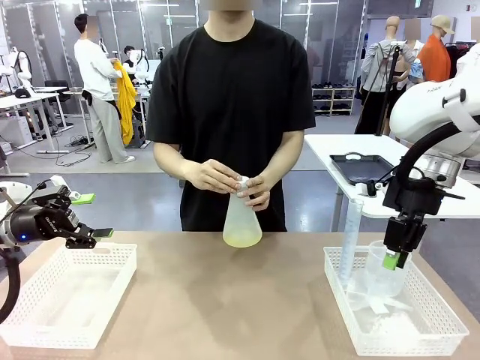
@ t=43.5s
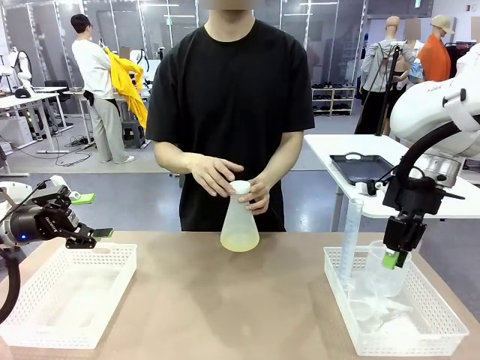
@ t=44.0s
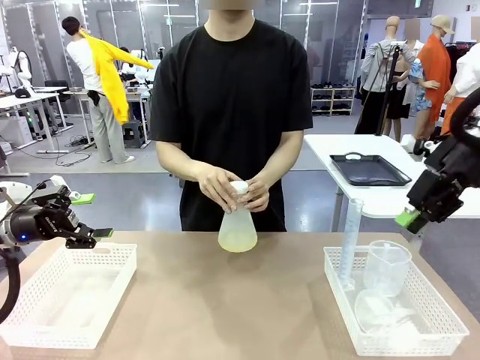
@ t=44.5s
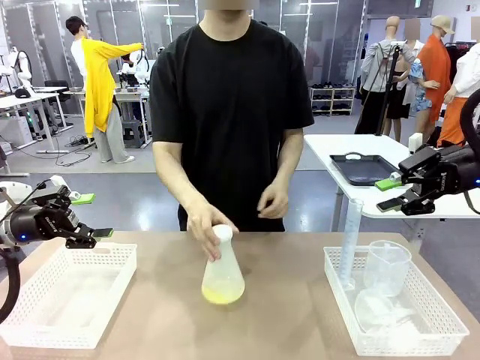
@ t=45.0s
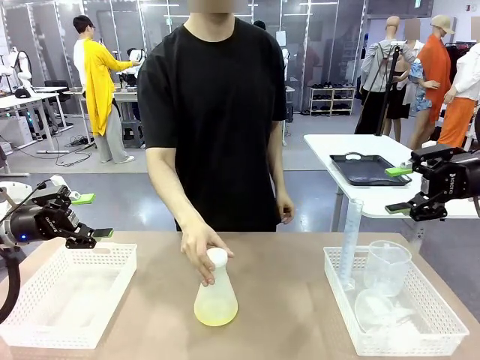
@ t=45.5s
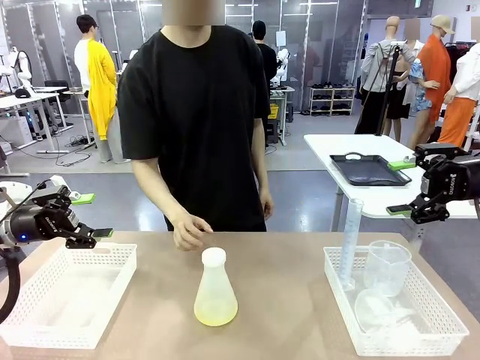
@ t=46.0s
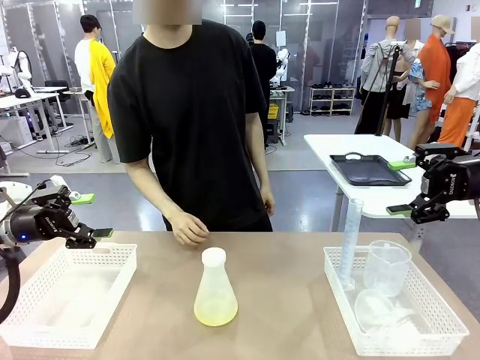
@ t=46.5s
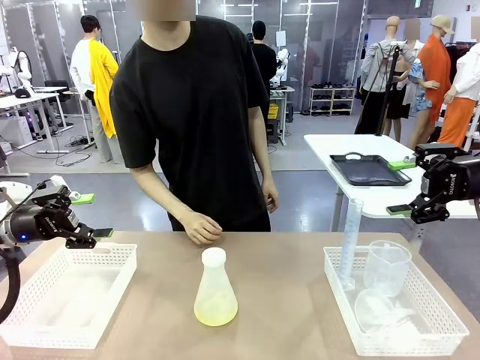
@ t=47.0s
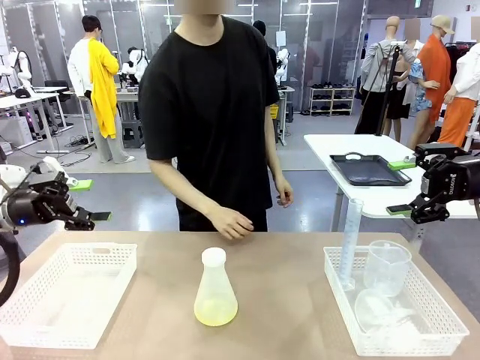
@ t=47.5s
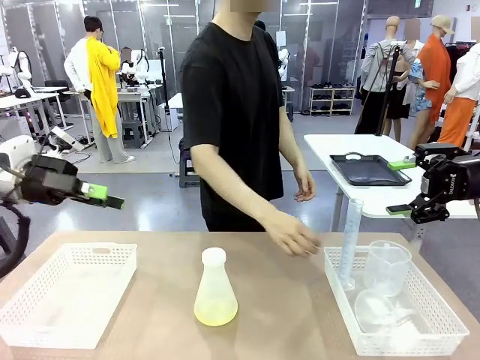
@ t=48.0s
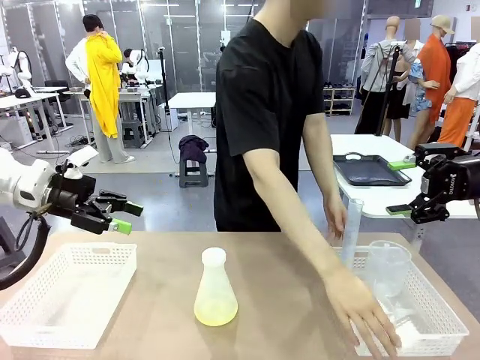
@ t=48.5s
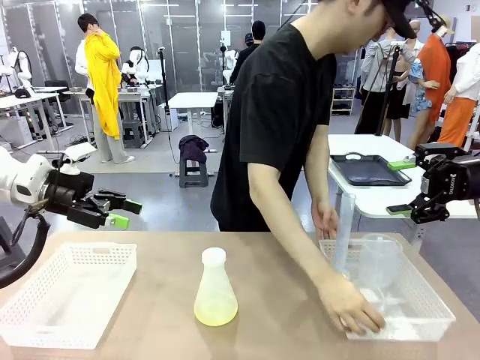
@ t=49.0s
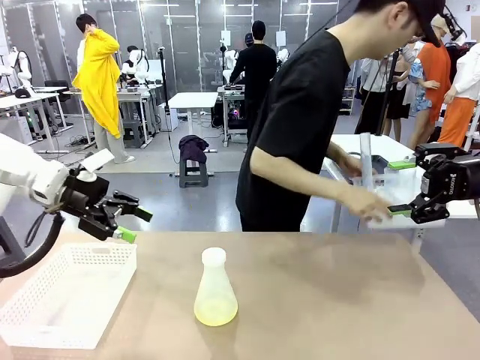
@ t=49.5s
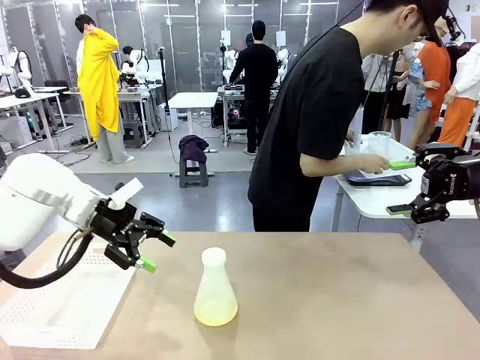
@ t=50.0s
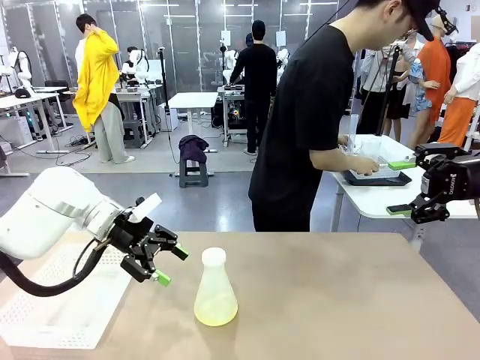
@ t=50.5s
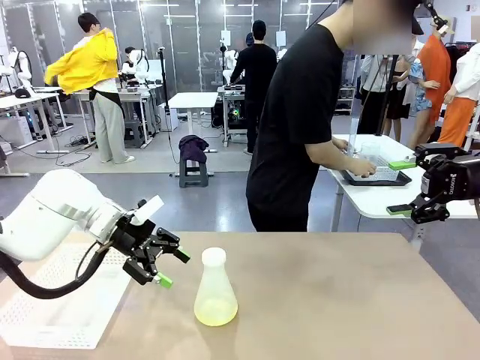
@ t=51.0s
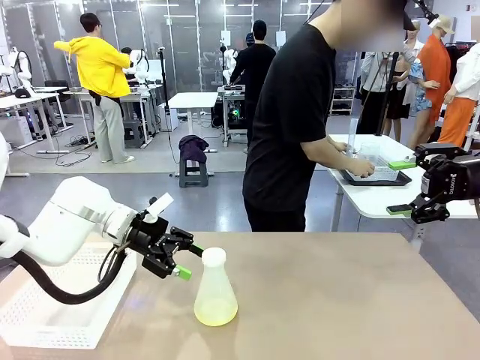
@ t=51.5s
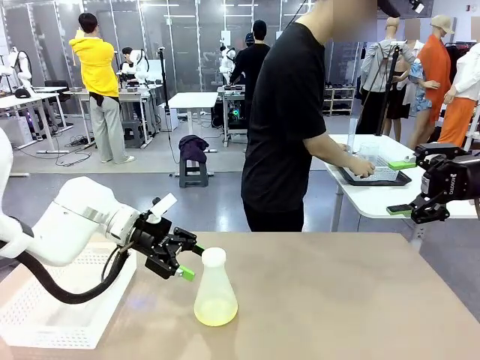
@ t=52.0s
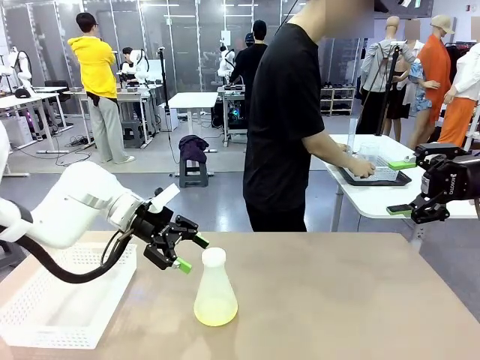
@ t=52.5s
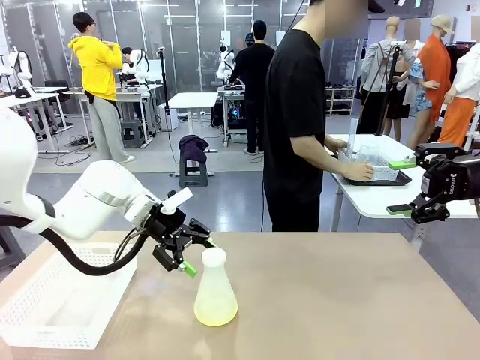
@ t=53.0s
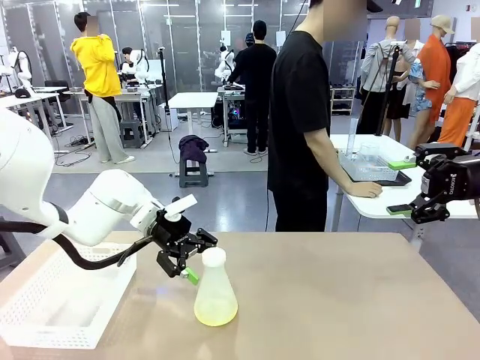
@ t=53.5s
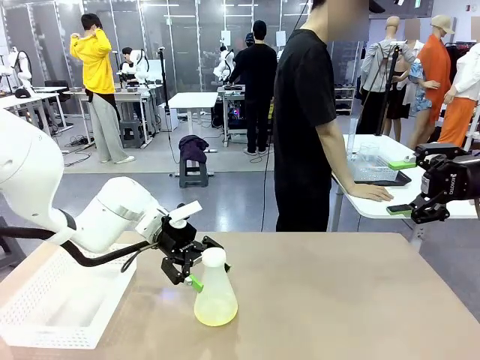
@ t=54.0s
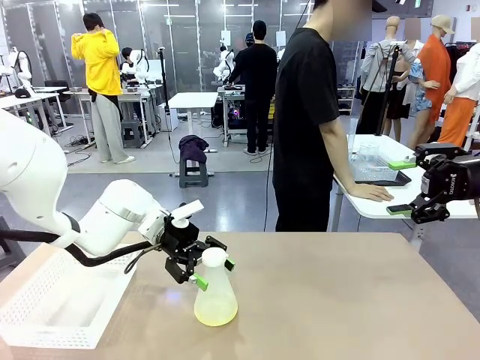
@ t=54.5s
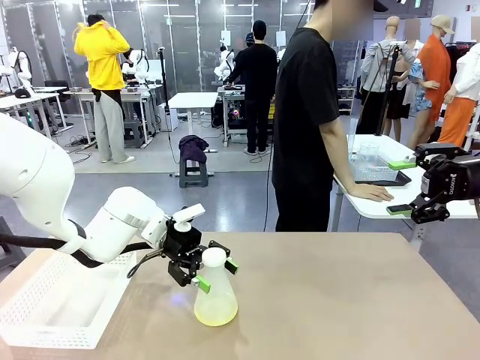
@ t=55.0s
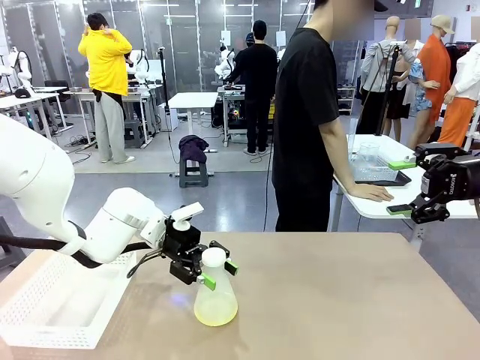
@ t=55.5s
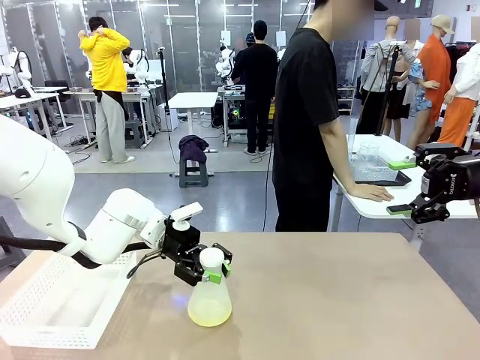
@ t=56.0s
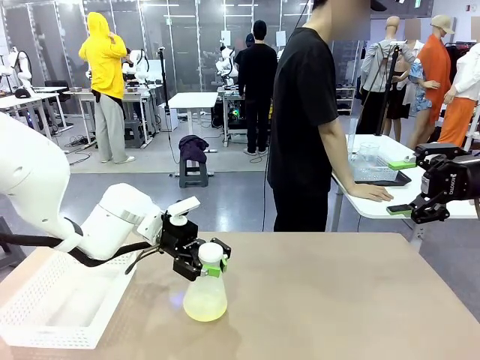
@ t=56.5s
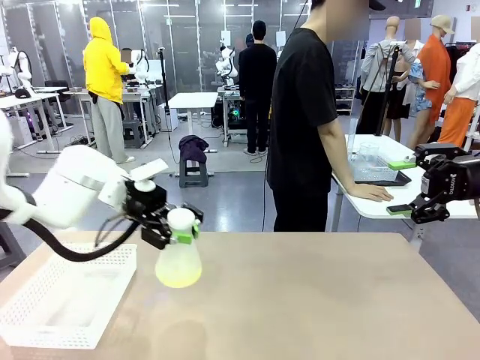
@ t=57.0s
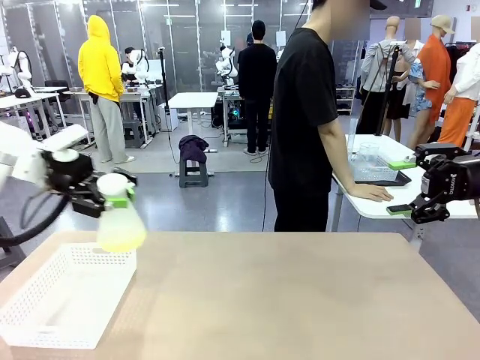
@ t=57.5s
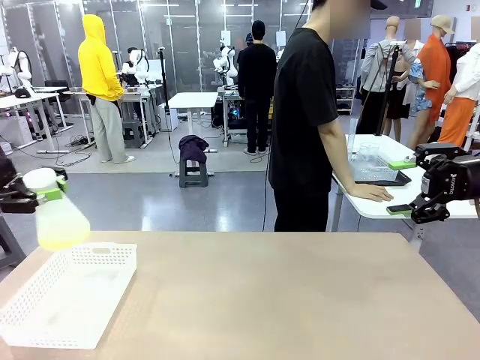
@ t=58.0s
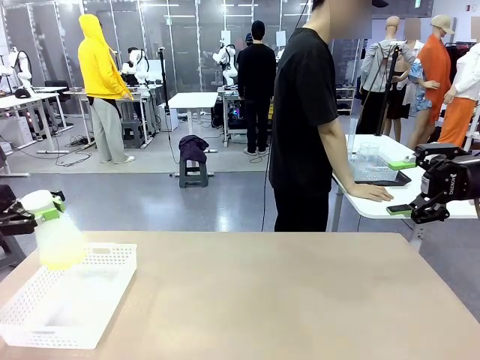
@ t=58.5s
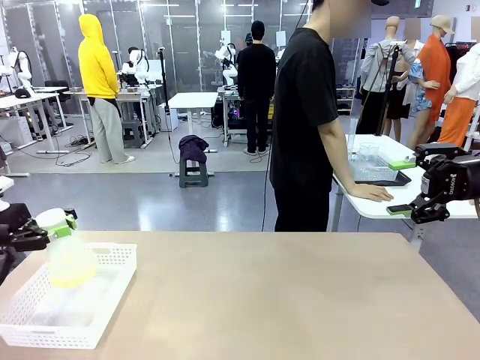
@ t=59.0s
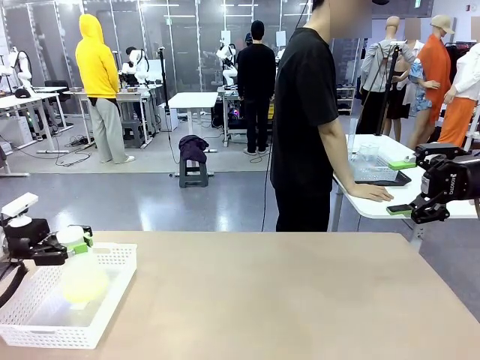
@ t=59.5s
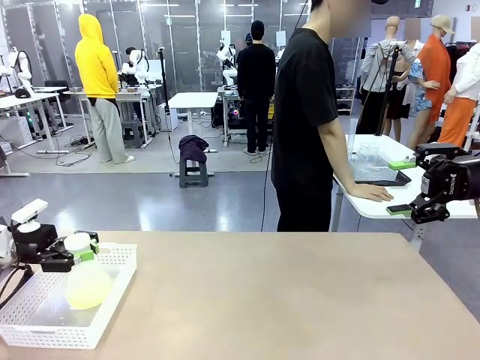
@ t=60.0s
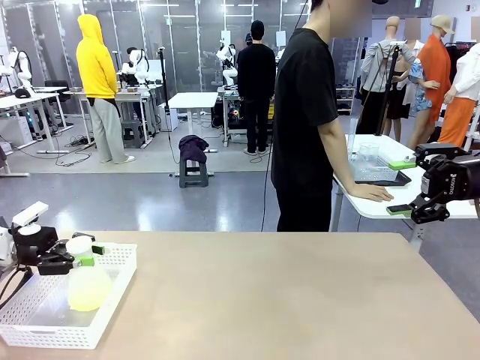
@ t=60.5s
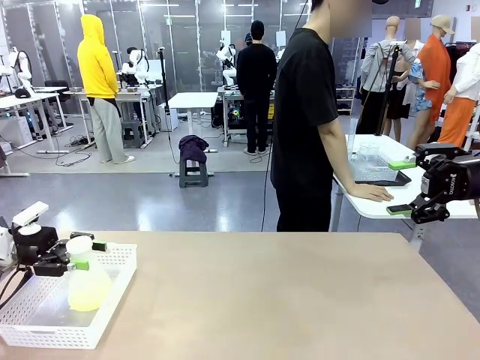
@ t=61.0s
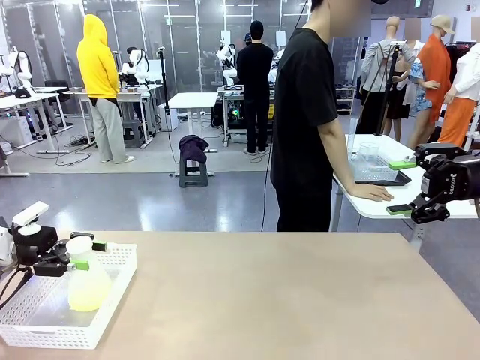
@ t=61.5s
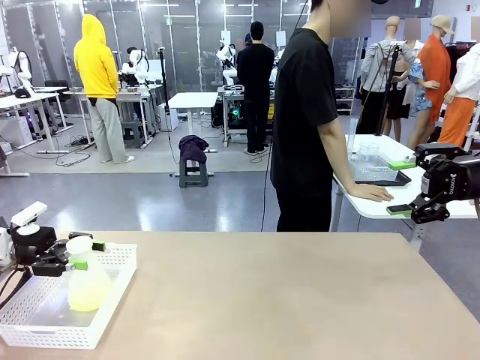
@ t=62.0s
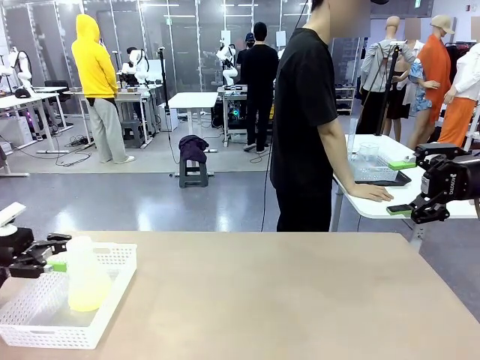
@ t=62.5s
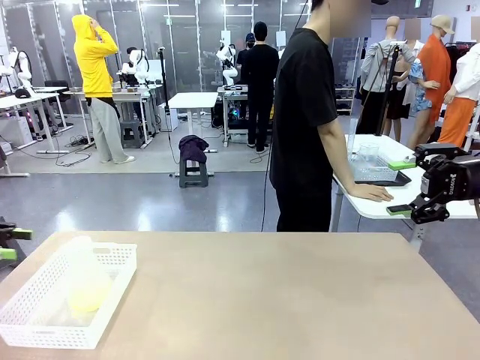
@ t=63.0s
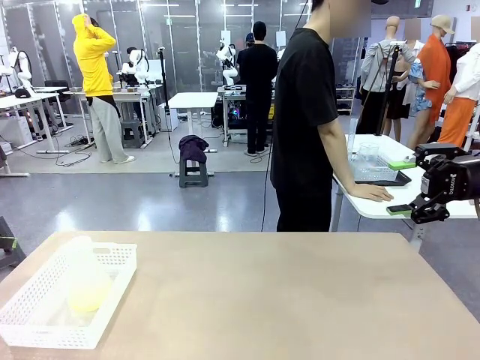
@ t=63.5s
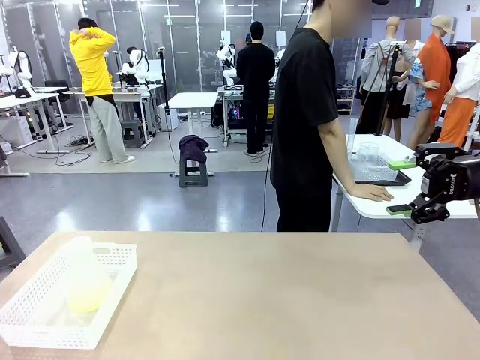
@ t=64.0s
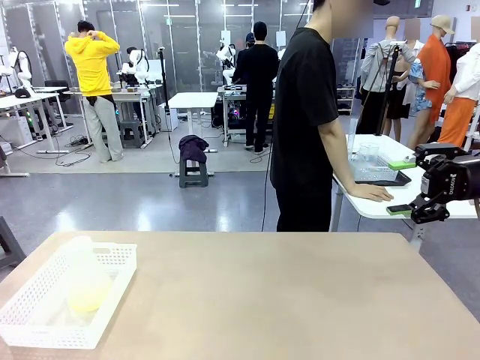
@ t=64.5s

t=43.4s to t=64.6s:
Task: Prepare the solutions needed for the experiment.
Robot: When the human places the Big flask in the center of the table, pick up the Big flask and place it in the left Organizing basket.
Person: Pick up the organizing basket on the left side of the robot table and place it on the left side of the human table.

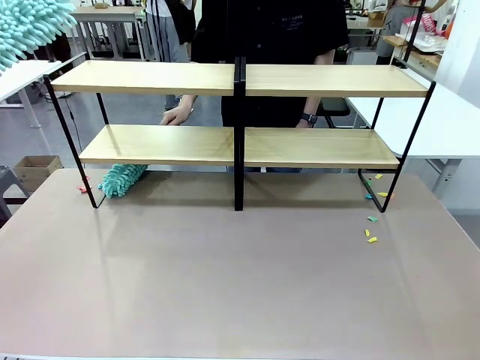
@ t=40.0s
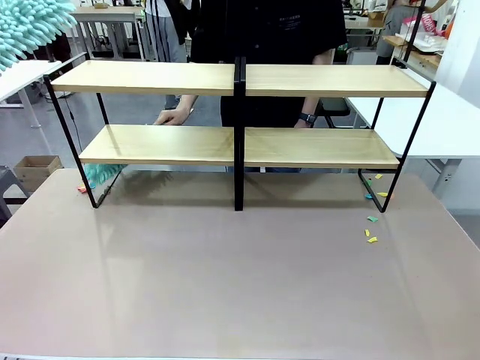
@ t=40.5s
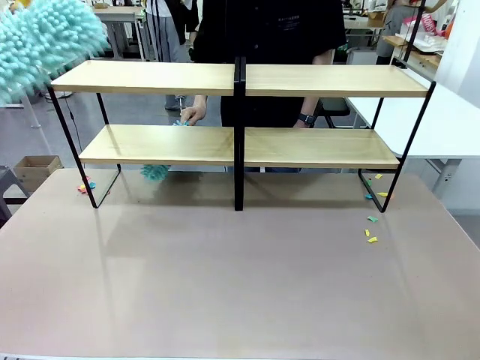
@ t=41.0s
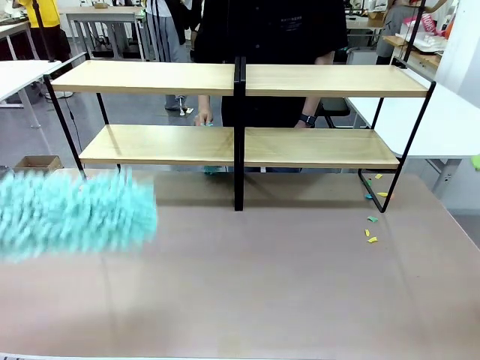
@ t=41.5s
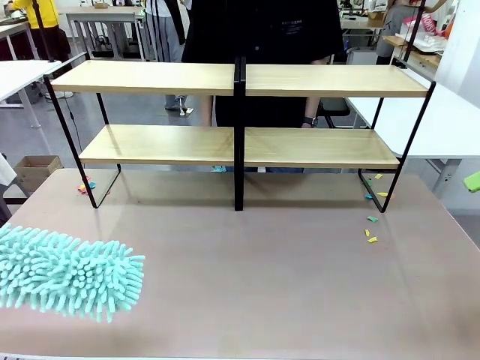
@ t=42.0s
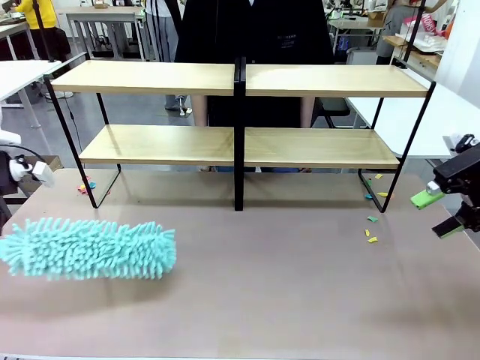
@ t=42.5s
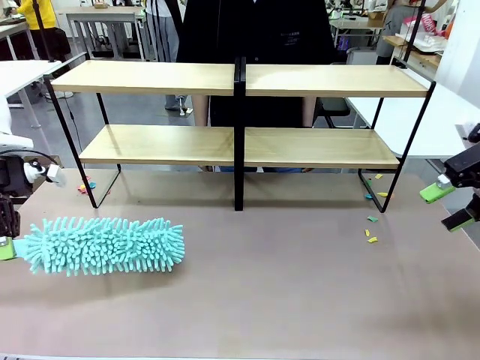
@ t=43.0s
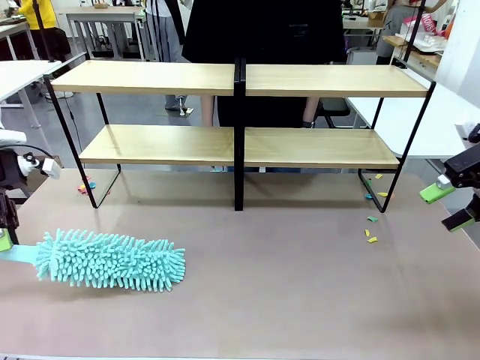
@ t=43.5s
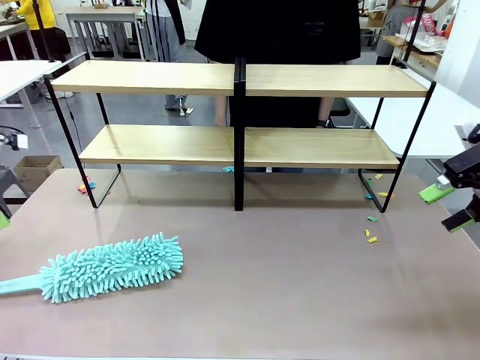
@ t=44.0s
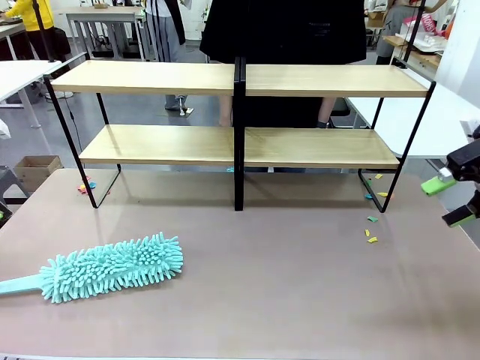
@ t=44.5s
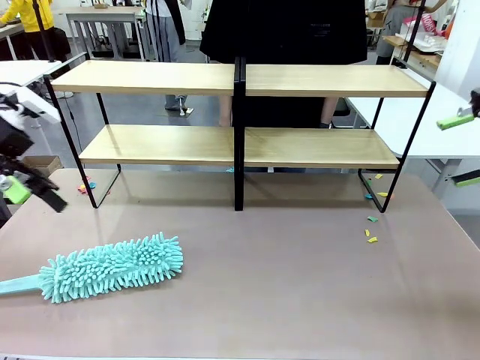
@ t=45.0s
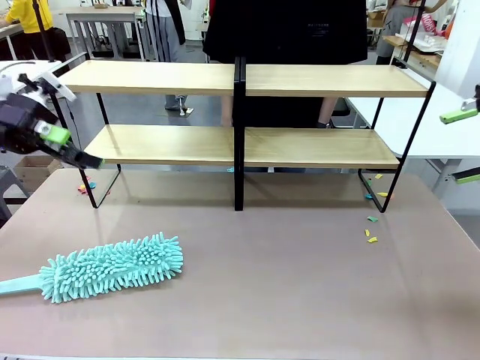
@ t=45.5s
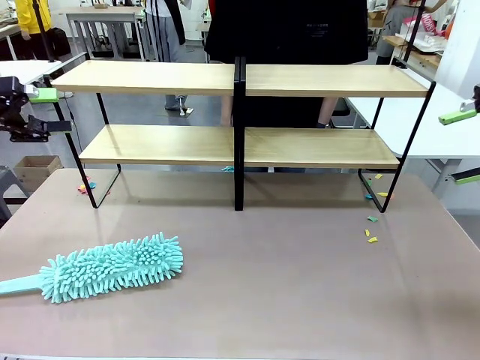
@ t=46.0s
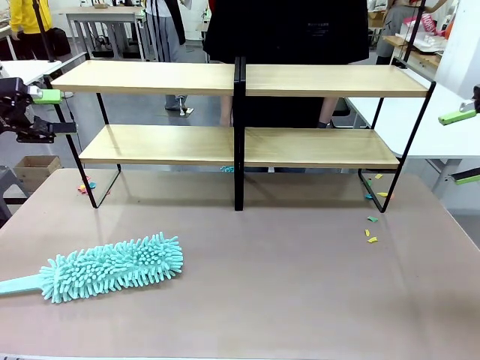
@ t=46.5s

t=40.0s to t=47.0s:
Task: Clean the shelves.
Robot: Place the Duster on the table.
